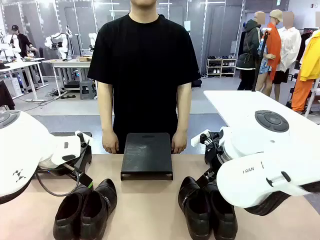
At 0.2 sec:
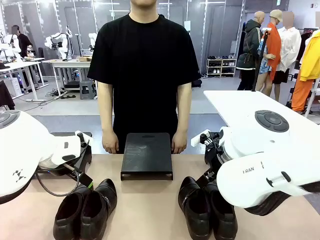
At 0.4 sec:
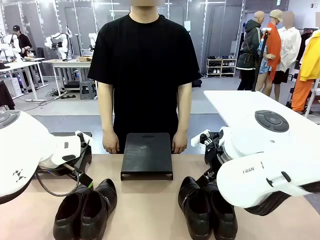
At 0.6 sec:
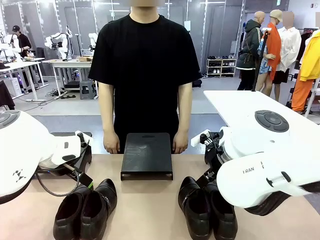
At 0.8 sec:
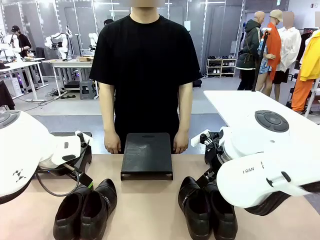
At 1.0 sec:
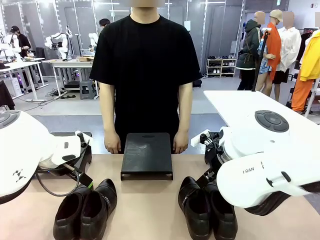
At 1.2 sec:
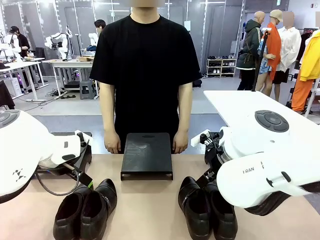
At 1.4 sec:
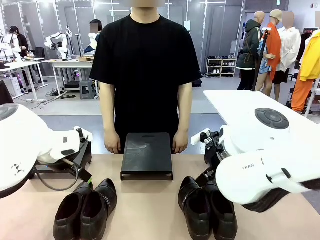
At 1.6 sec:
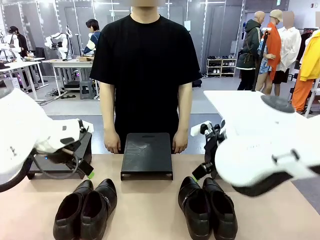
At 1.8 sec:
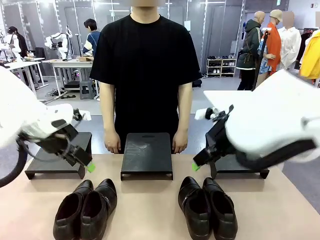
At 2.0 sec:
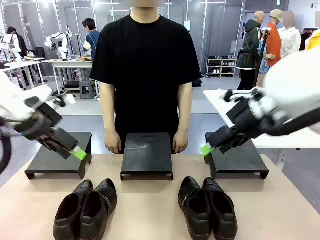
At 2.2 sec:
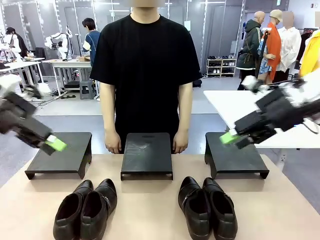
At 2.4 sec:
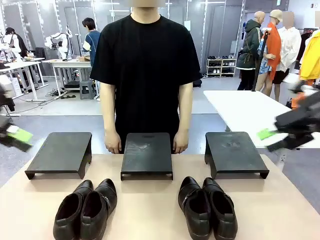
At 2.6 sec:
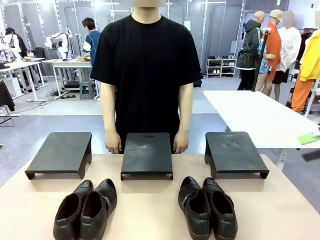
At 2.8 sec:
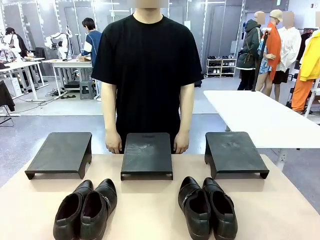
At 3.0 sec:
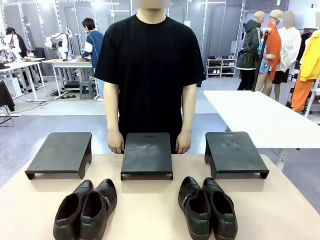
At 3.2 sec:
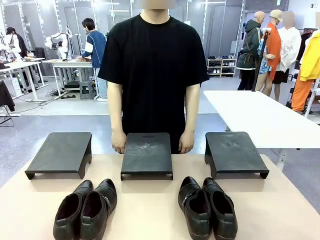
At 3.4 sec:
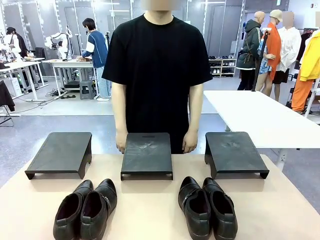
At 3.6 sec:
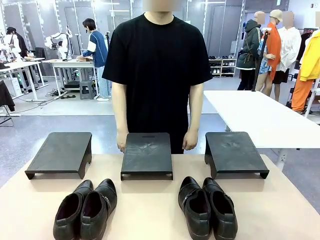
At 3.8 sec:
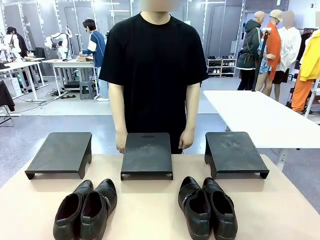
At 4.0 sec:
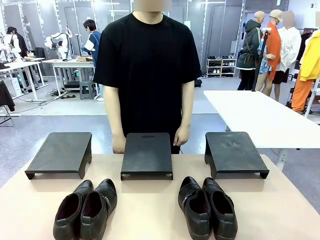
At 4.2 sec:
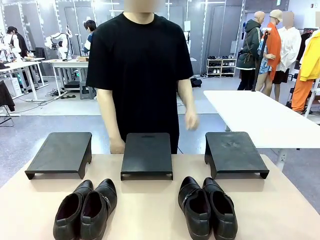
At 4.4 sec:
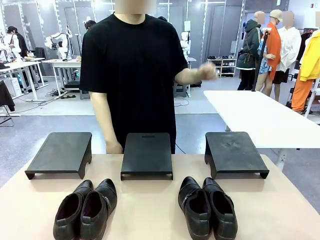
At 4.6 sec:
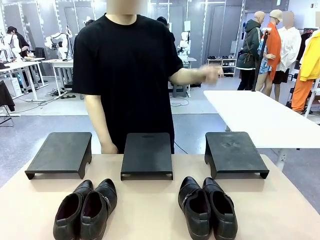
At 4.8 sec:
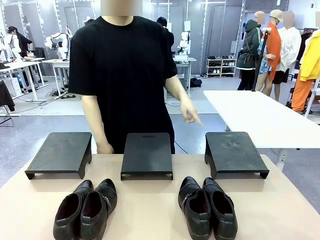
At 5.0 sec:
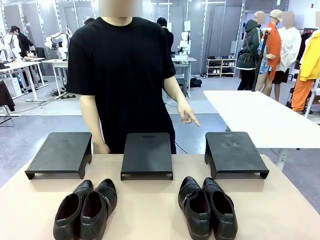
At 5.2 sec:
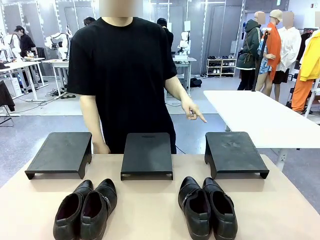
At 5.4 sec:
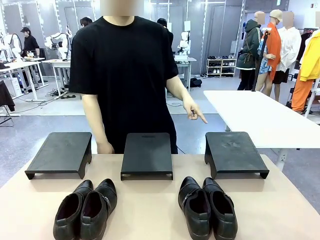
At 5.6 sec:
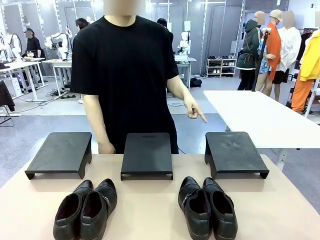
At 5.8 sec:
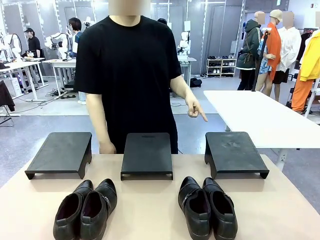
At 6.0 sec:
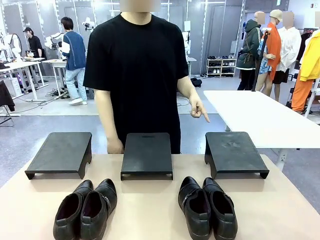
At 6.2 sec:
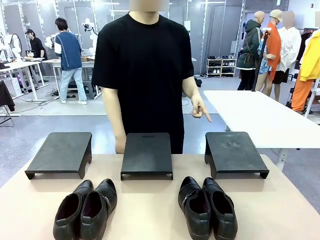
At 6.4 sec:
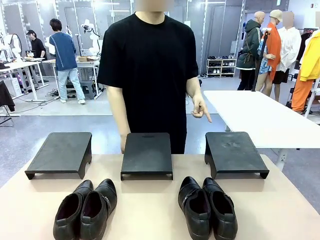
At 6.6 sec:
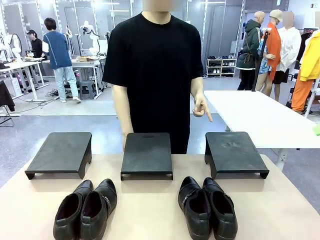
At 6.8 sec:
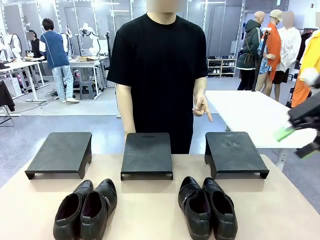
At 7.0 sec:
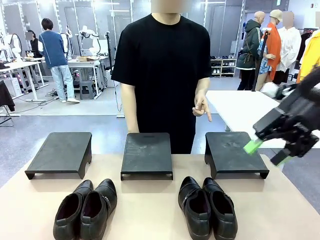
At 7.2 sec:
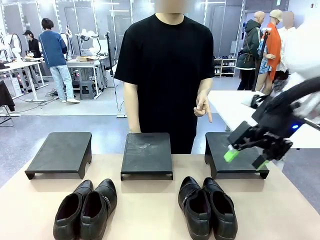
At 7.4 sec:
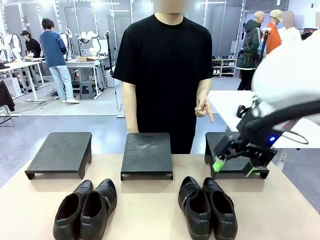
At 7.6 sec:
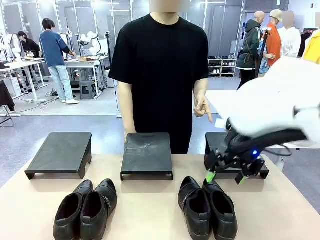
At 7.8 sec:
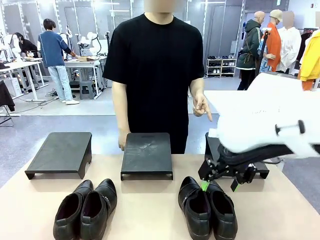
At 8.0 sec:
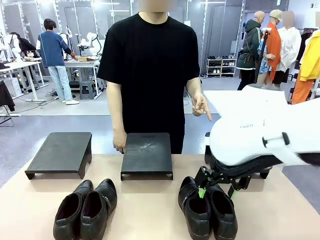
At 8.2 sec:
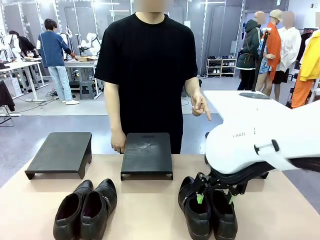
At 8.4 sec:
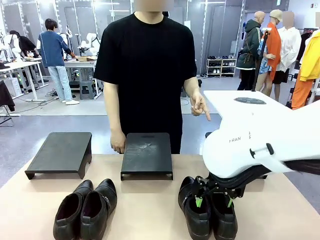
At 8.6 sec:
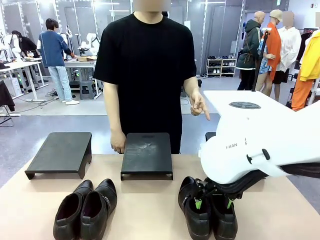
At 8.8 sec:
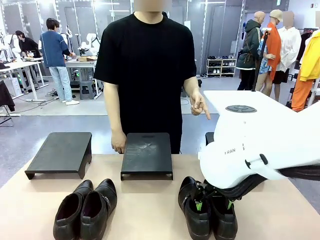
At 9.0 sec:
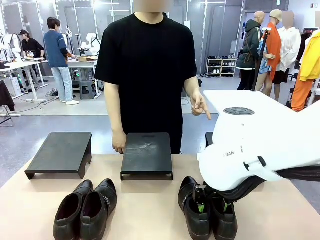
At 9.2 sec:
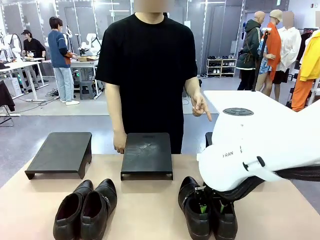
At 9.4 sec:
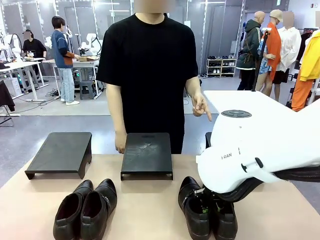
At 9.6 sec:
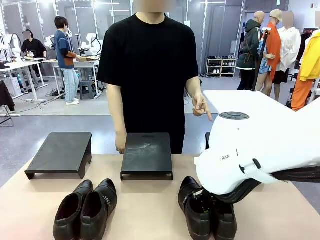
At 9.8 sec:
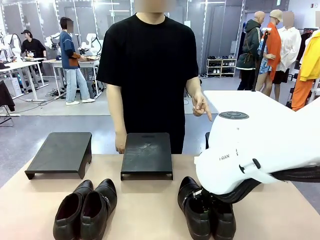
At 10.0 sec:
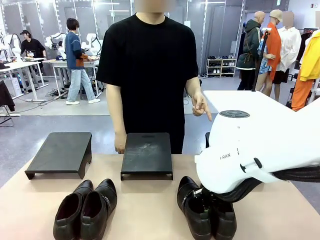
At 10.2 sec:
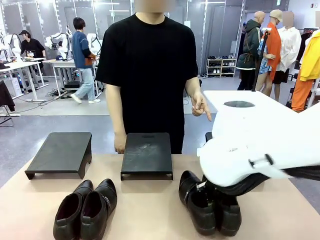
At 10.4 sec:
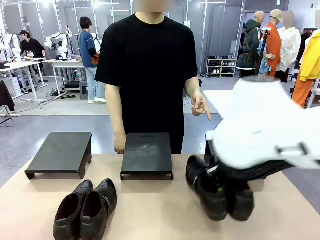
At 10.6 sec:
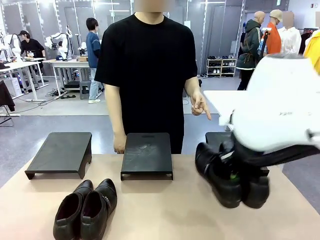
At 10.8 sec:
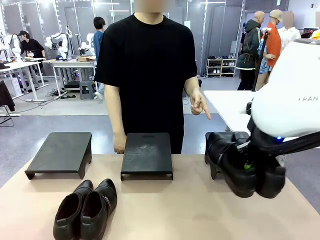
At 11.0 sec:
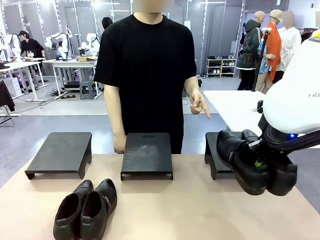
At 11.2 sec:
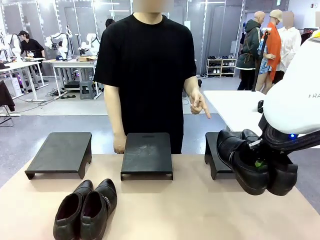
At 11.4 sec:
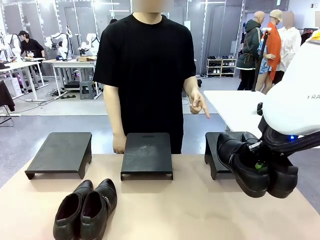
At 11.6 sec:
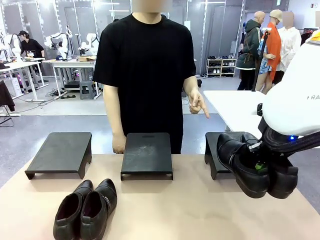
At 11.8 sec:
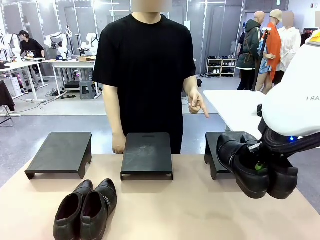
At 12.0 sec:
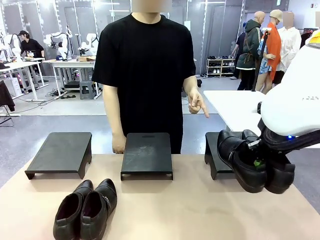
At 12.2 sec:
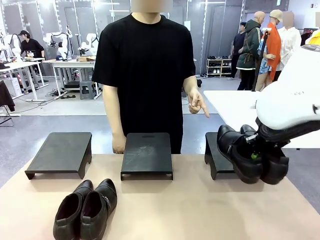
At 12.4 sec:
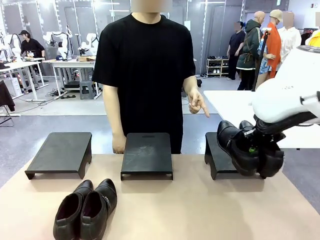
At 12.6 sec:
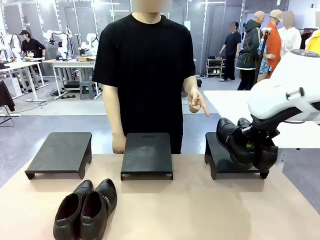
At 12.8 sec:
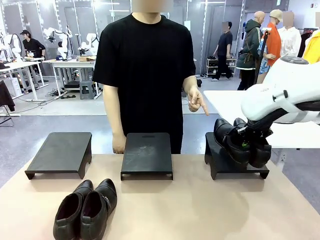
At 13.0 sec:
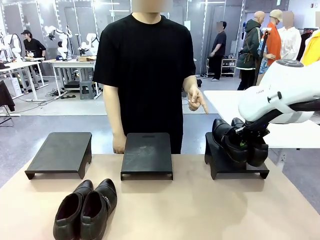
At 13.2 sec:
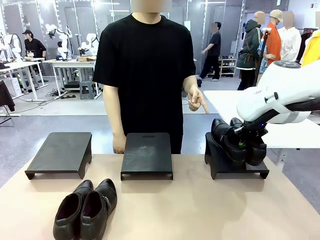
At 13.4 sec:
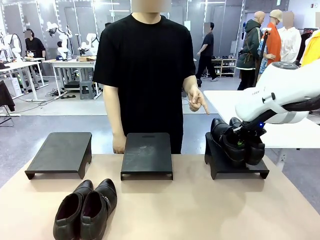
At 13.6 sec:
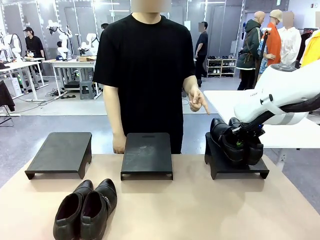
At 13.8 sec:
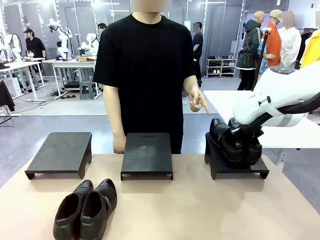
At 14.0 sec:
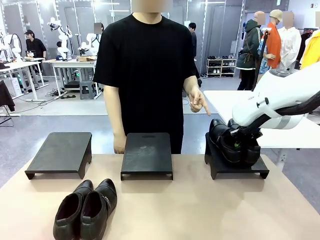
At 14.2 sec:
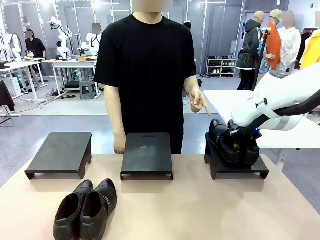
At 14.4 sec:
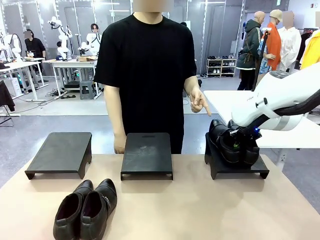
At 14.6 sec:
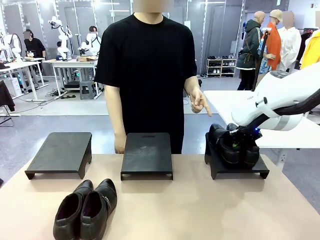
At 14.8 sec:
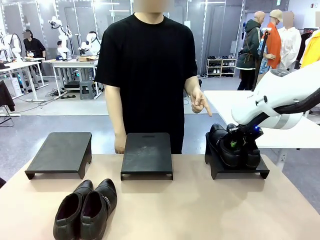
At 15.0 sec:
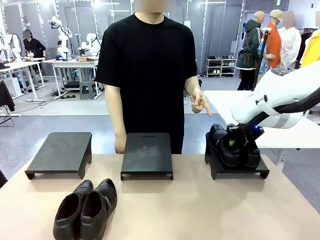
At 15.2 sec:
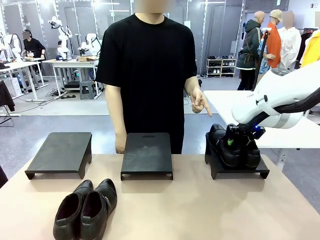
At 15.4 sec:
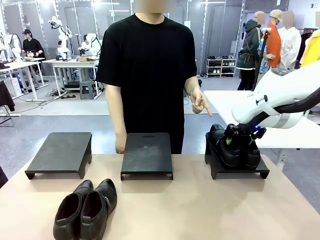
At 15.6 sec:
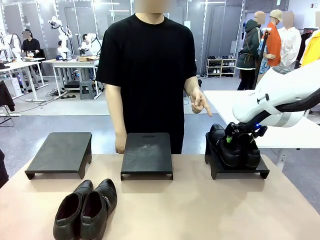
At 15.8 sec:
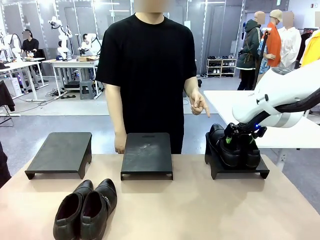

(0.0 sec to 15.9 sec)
Task: Place the shoes on the stand as instructed by the person.
Robot: Pick up one pair of Shoes and place it on the Shoes Stand indicated by the person.
